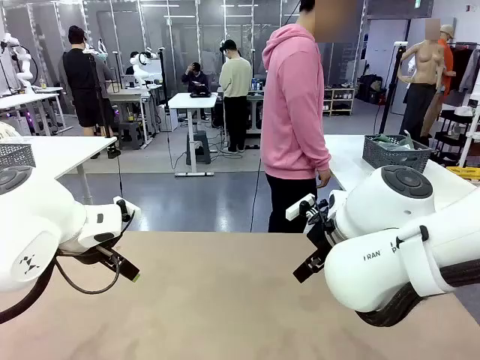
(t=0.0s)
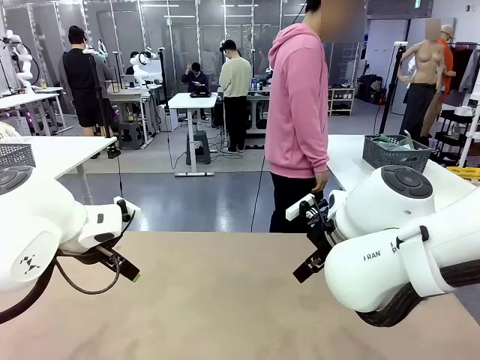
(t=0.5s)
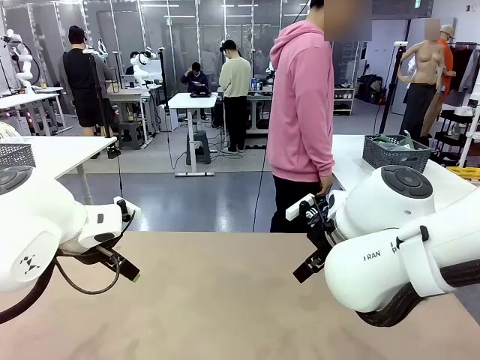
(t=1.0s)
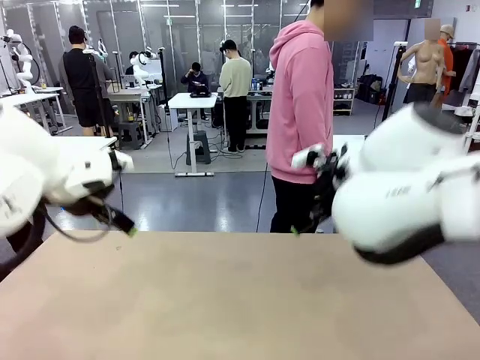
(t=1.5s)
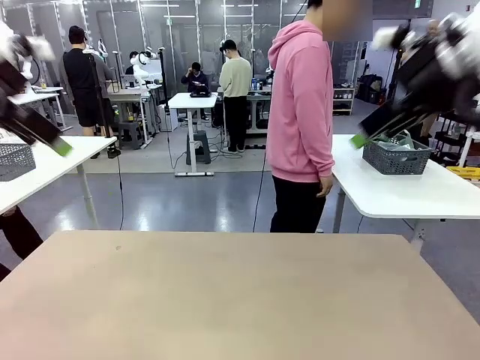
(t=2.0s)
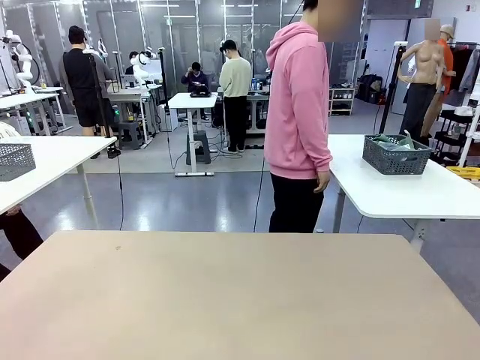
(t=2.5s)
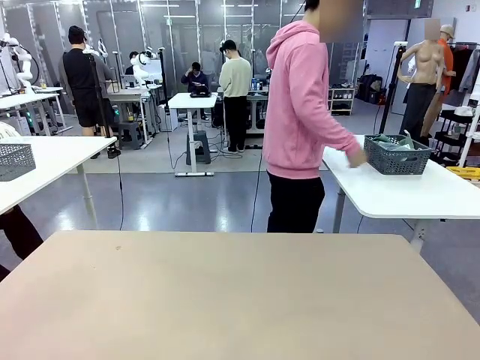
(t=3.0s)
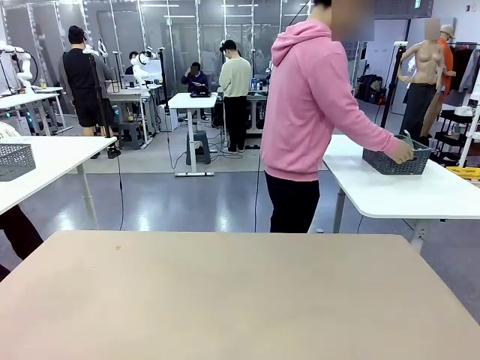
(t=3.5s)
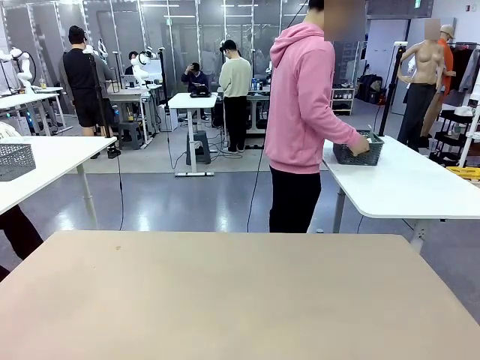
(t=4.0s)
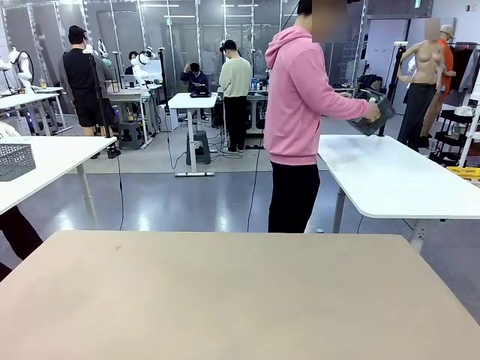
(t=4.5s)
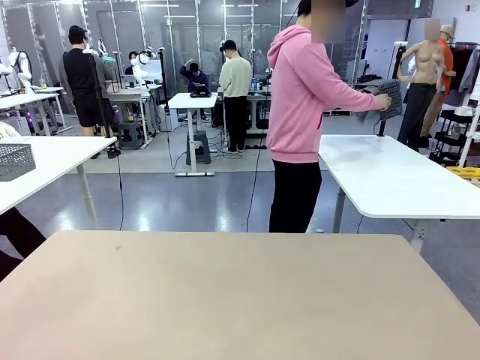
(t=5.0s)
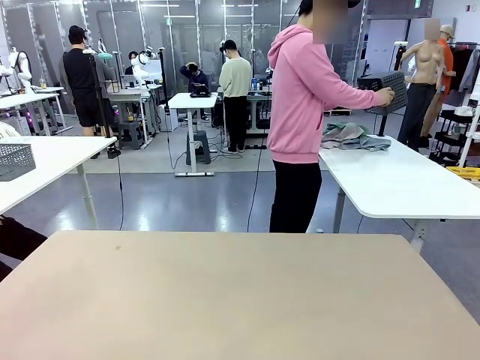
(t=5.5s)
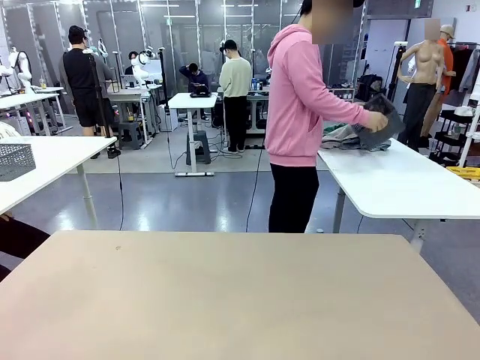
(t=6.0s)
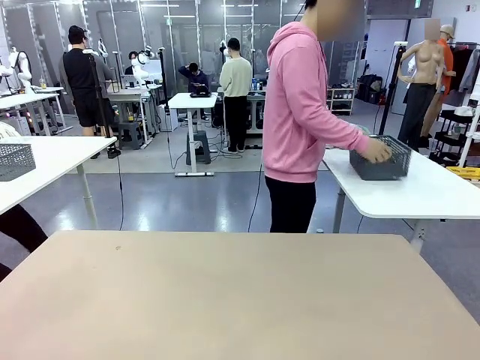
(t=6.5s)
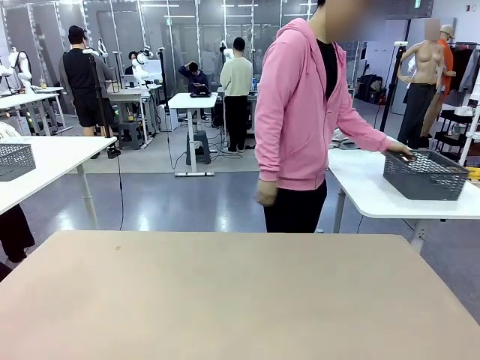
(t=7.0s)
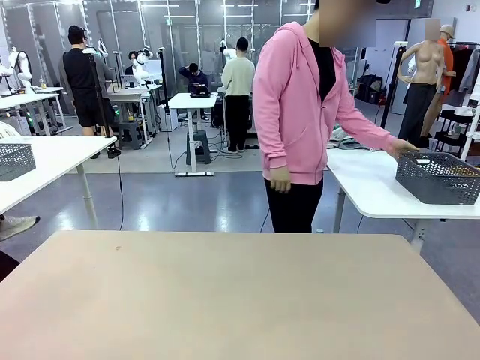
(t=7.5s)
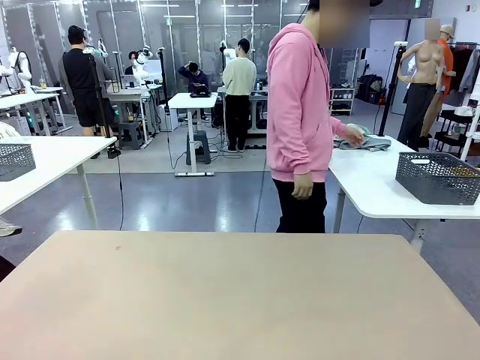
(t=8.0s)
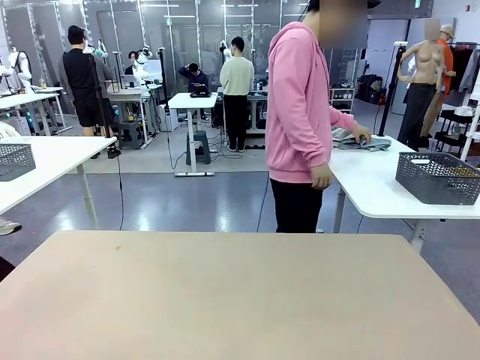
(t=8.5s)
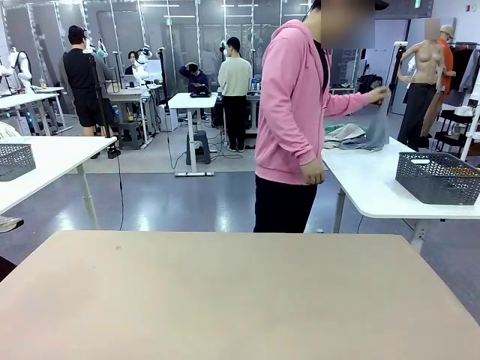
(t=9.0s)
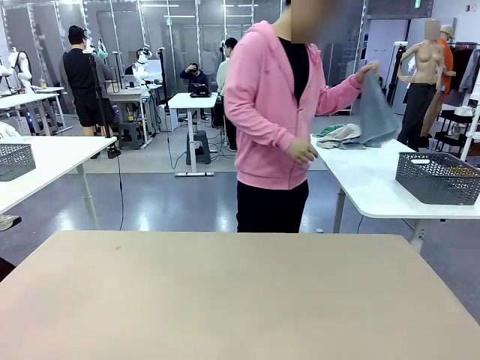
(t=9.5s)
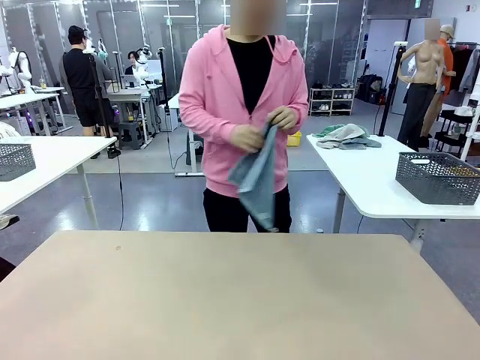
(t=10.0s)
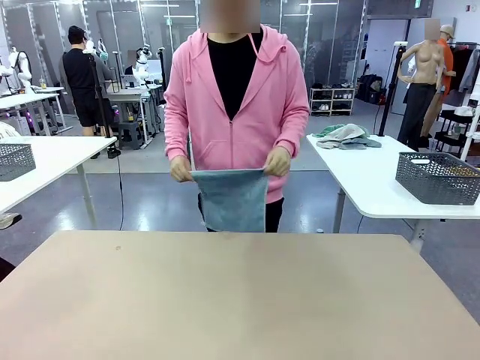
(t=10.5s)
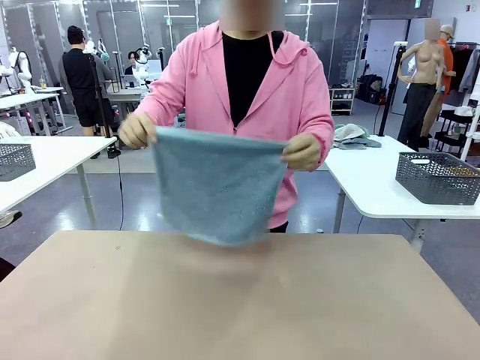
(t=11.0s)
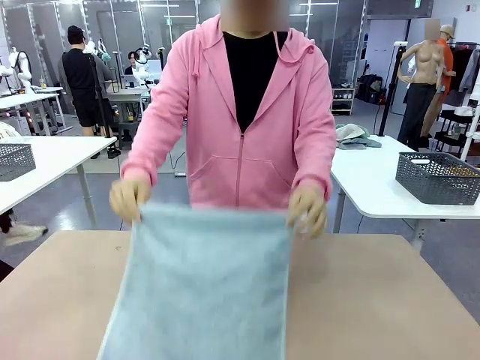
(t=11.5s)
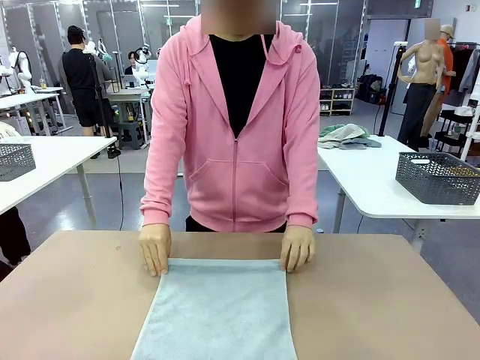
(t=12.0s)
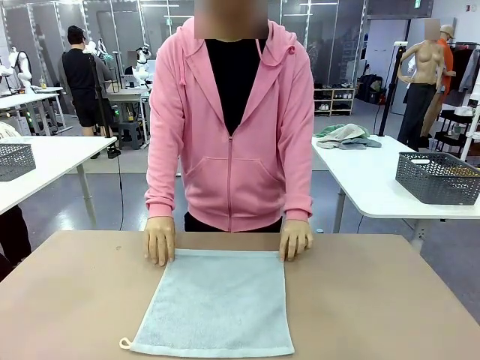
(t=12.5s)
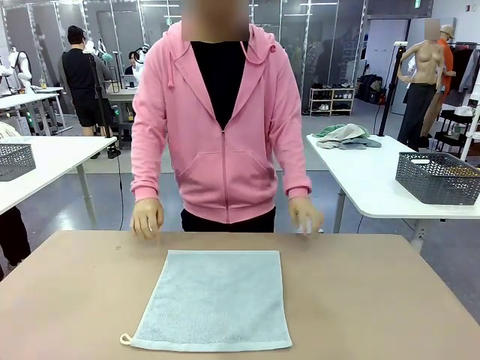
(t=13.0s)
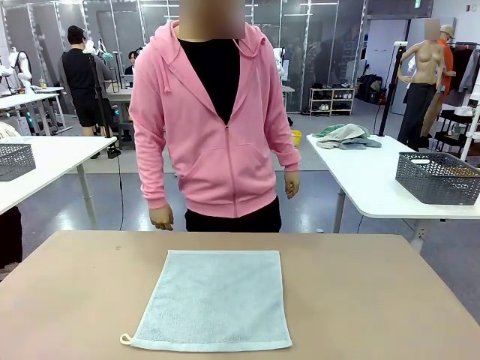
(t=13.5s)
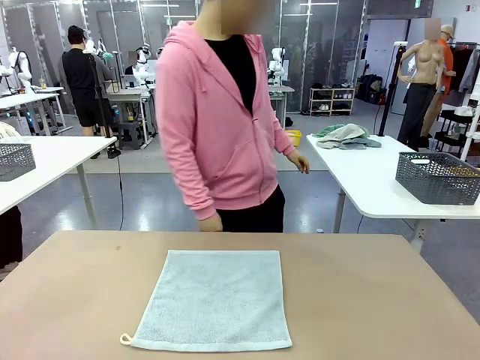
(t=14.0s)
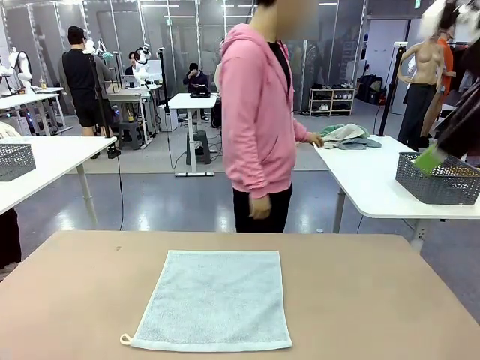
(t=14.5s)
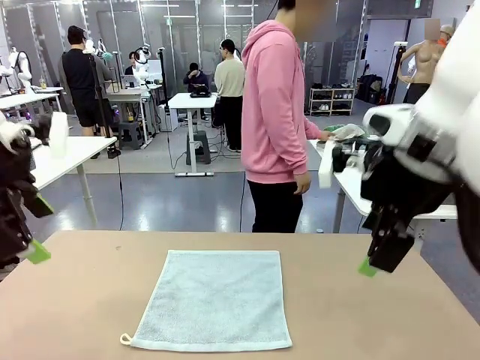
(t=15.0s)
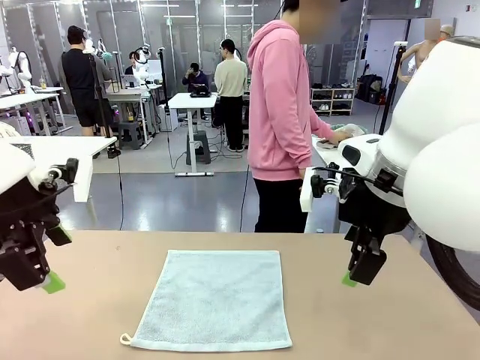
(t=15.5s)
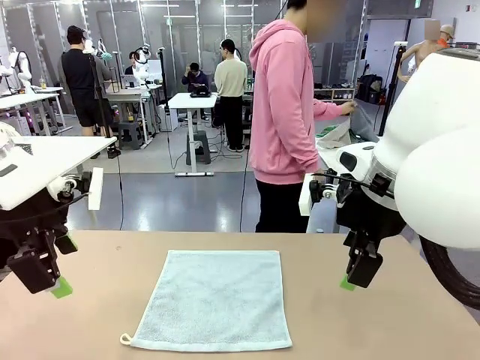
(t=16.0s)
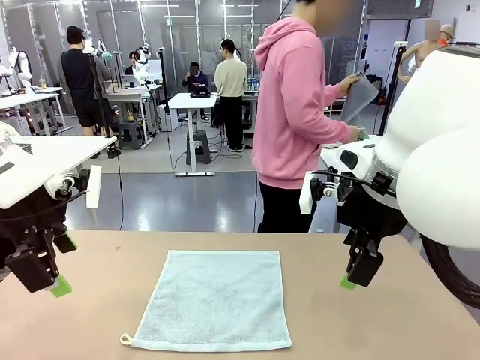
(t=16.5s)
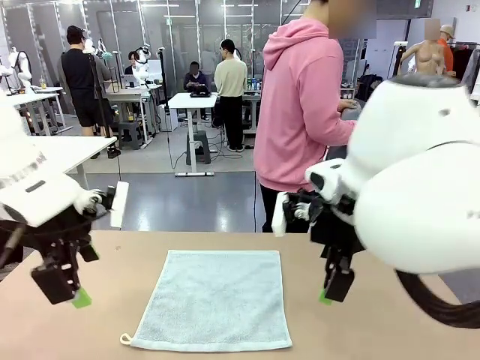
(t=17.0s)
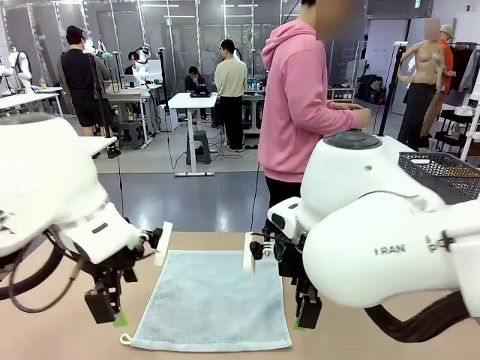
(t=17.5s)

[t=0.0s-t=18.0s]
Task: Fold the towels and place them in the basket.
Robot: When a person lays out a Towel with hook on the table, fold it in half twice.
Person: Pick up the basket, pour the towels onto the left side of the human table, and place the basket on the right side. Pick up one towel and spread it out at the center of the robot table.

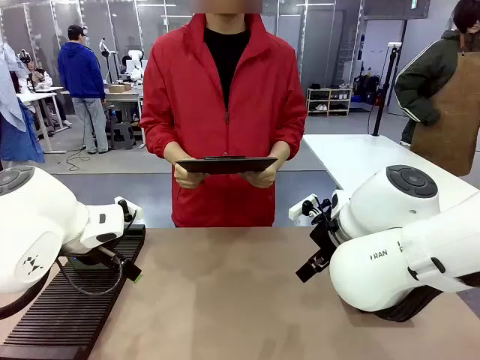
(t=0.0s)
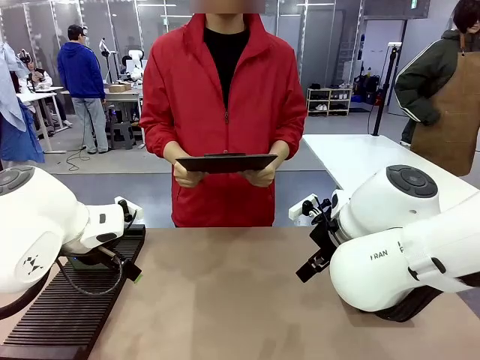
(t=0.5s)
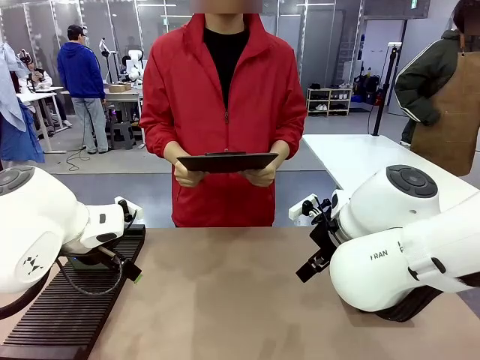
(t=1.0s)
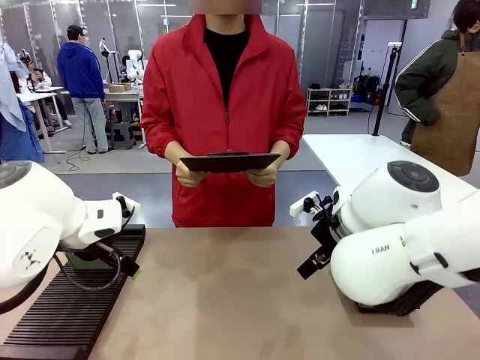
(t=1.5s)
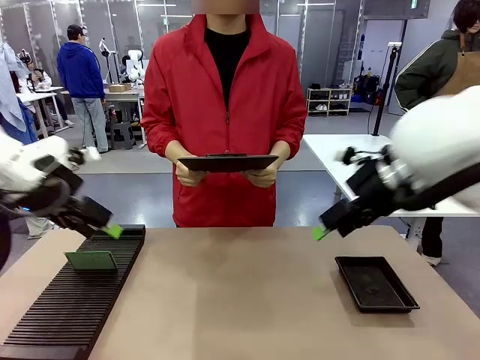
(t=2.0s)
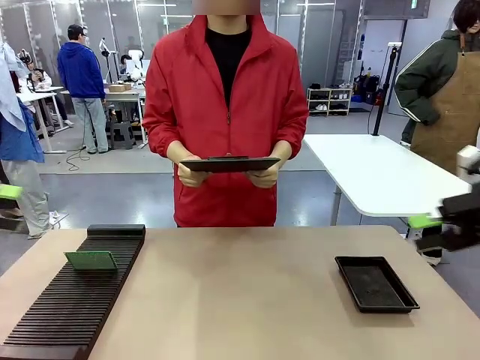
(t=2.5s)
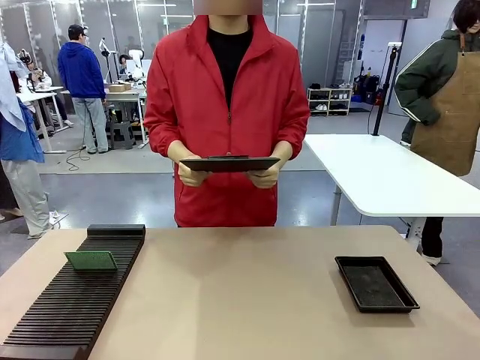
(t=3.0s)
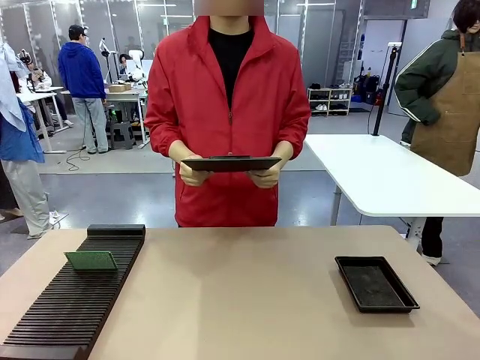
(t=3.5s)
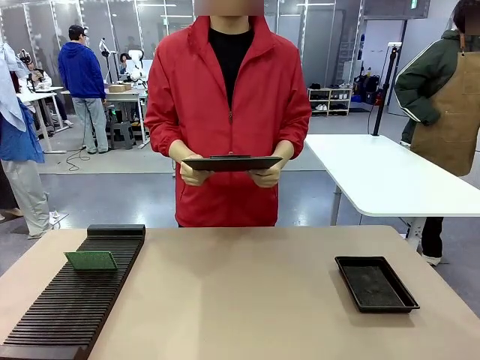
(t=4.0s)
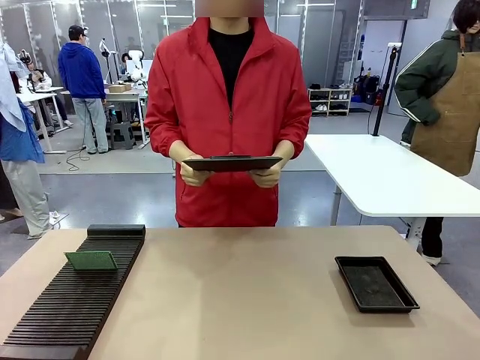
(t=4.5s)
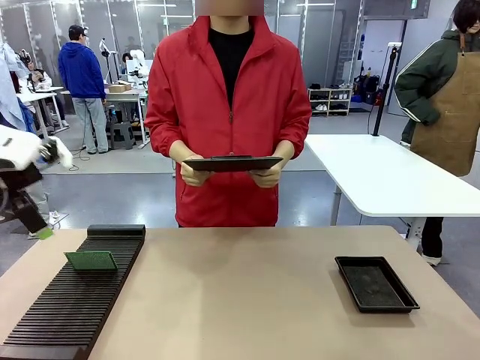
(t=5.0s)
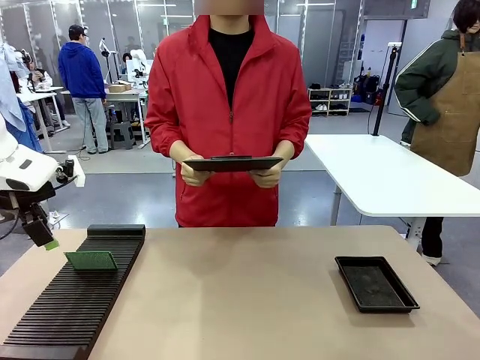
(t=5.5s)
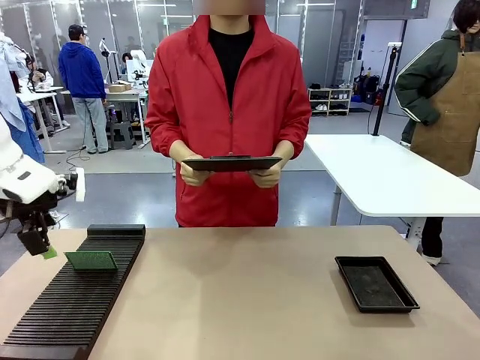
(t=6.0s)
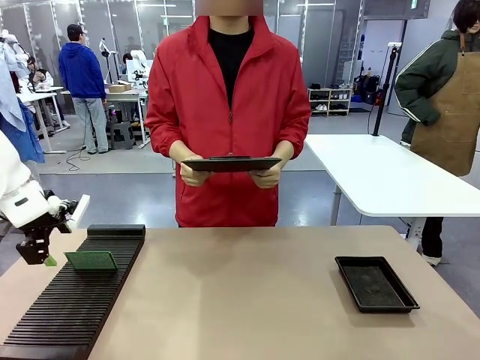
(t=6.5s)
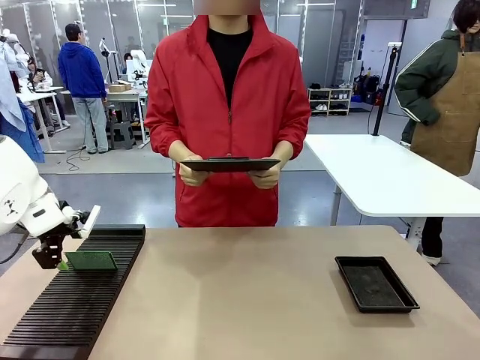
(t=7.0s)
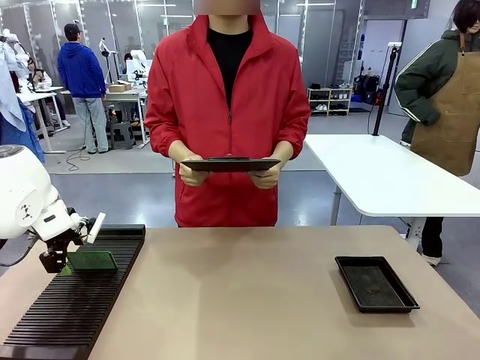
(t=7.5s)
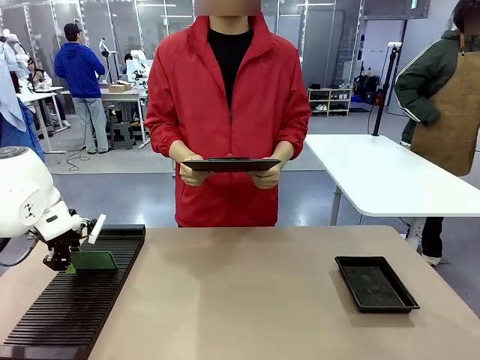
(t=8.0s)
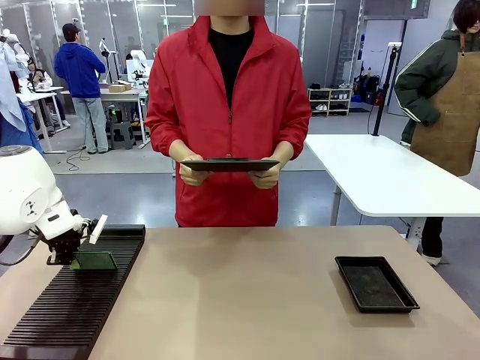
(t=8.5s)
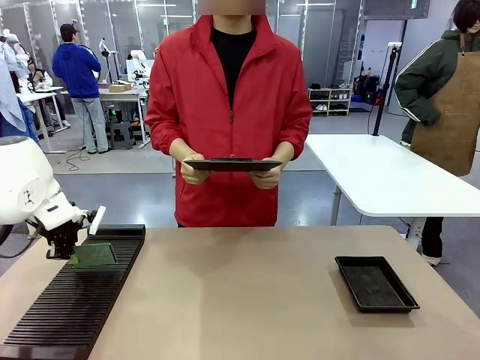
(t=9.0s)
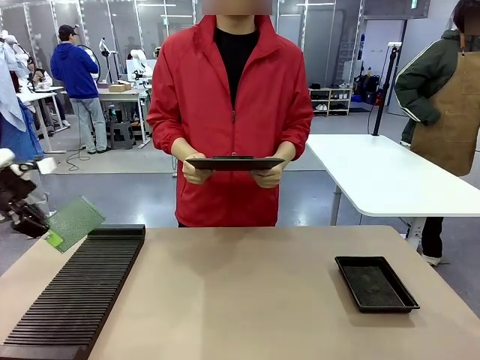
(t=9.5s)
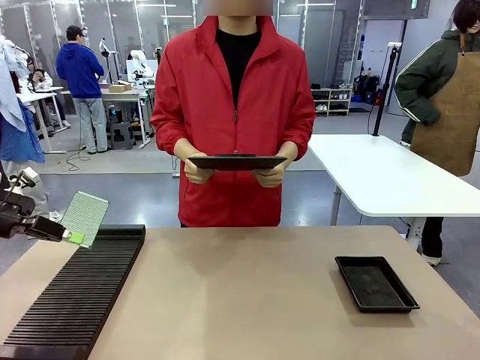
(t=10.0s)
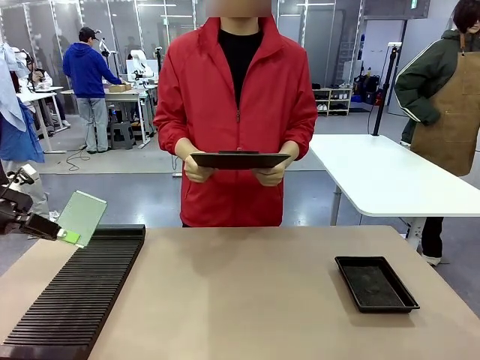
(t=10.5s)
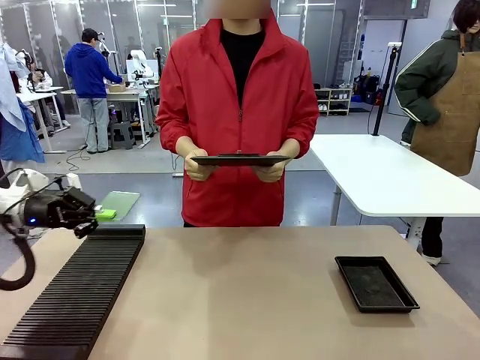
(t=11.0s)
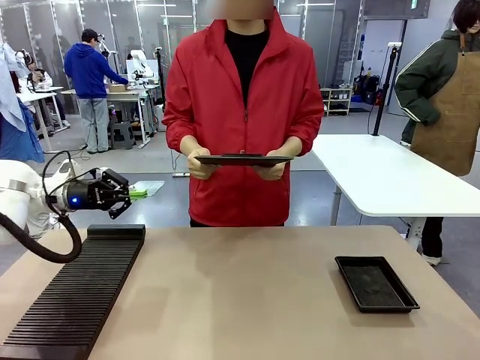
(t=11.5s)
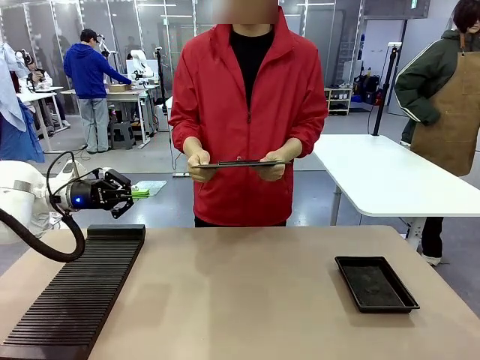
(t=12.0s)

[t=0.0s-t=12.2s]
Task: Inspect the PCB.
Robot: Pick up the Blank PCB and present it to the human.
Person: Pick up the PCB presented by the robot.
